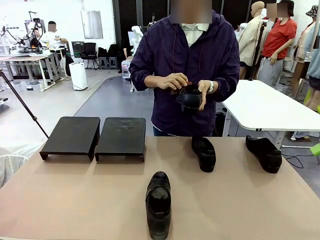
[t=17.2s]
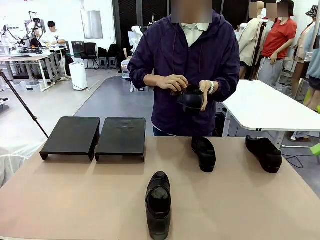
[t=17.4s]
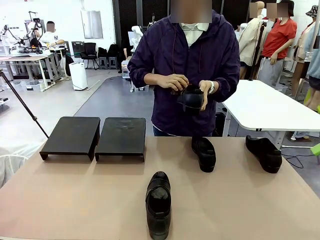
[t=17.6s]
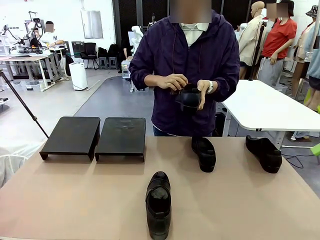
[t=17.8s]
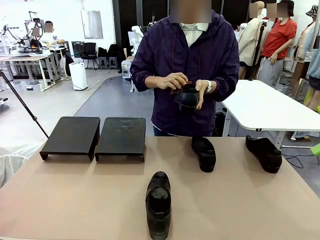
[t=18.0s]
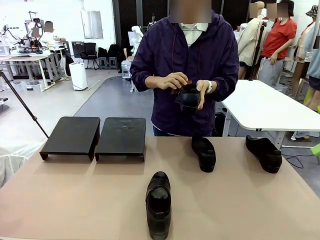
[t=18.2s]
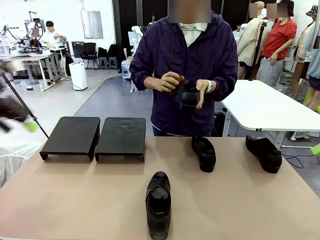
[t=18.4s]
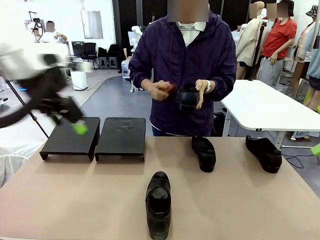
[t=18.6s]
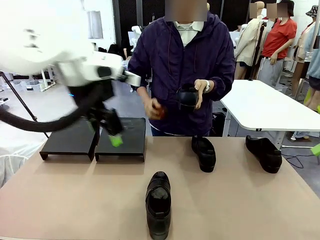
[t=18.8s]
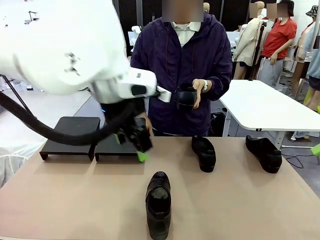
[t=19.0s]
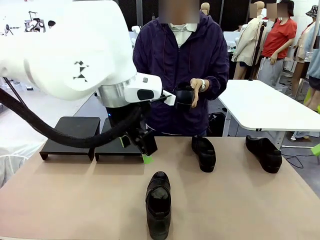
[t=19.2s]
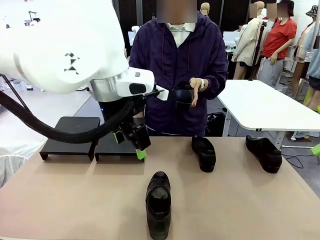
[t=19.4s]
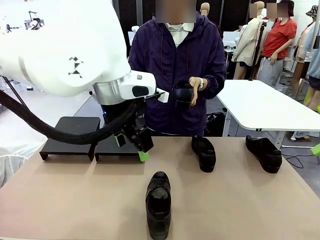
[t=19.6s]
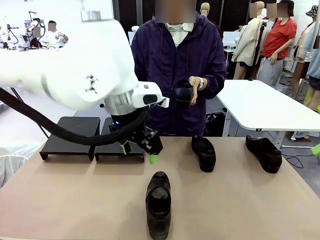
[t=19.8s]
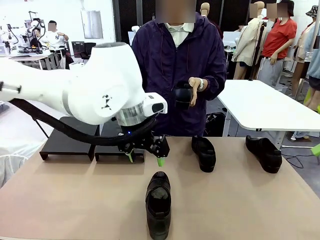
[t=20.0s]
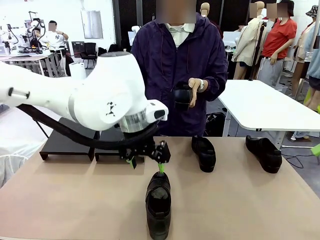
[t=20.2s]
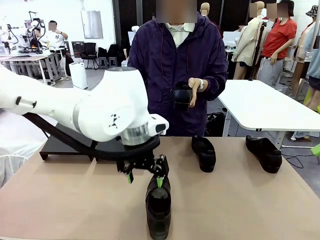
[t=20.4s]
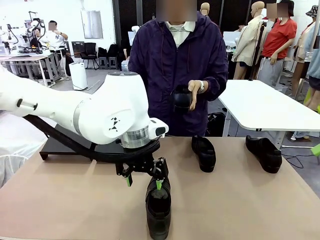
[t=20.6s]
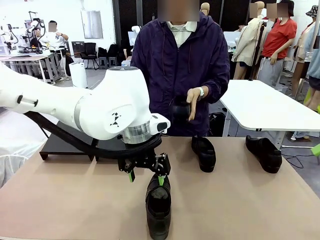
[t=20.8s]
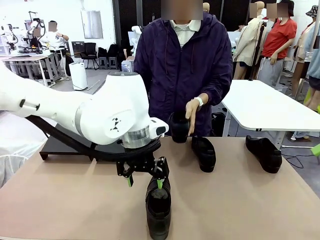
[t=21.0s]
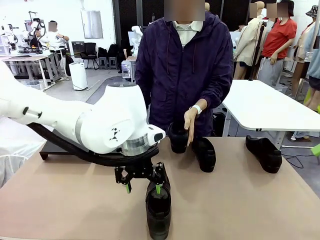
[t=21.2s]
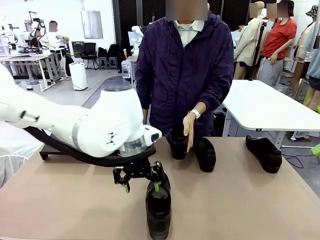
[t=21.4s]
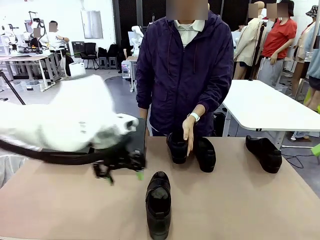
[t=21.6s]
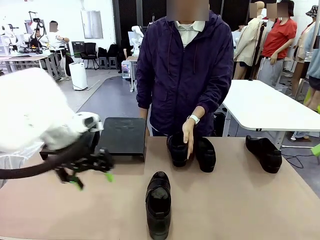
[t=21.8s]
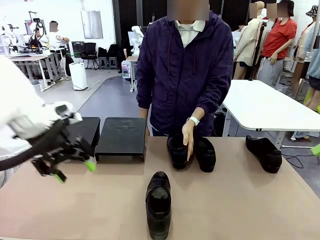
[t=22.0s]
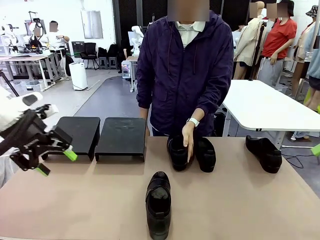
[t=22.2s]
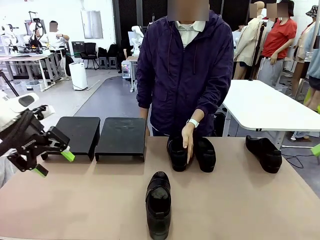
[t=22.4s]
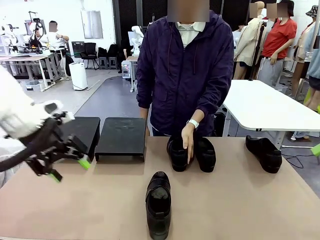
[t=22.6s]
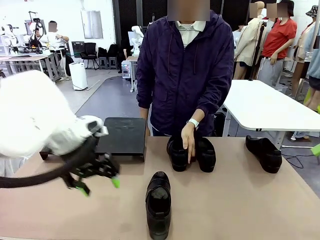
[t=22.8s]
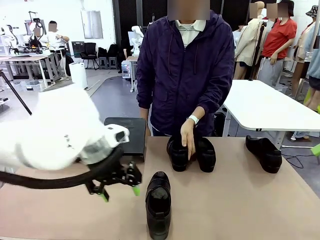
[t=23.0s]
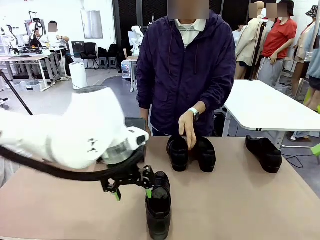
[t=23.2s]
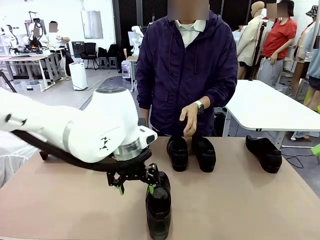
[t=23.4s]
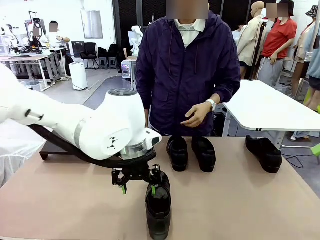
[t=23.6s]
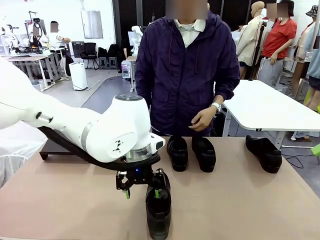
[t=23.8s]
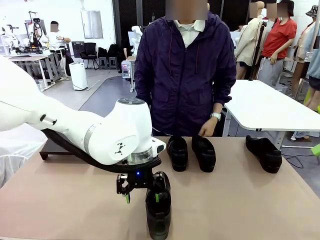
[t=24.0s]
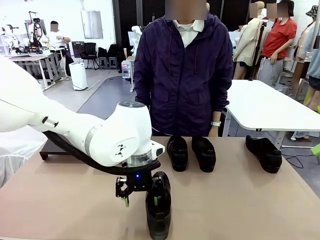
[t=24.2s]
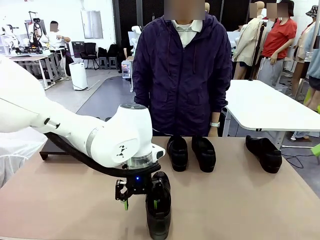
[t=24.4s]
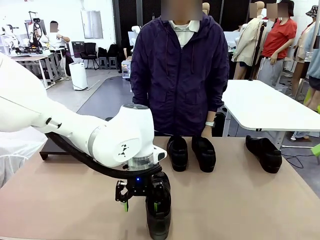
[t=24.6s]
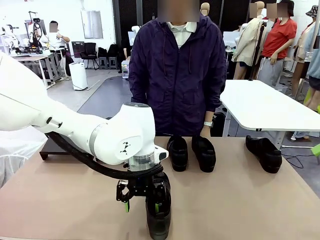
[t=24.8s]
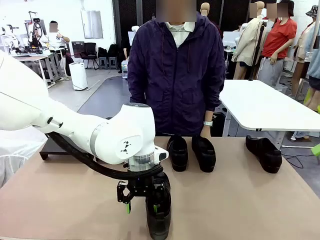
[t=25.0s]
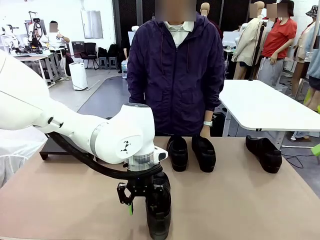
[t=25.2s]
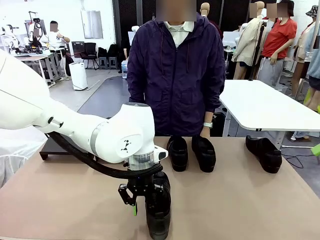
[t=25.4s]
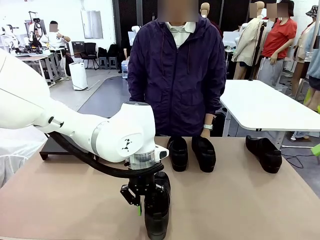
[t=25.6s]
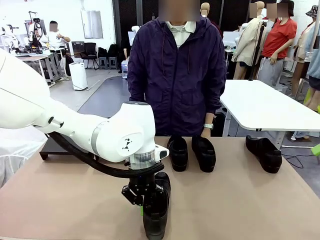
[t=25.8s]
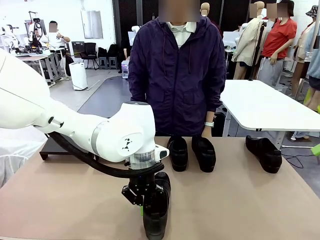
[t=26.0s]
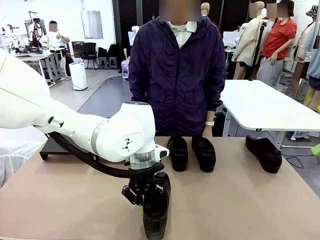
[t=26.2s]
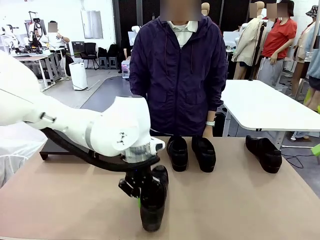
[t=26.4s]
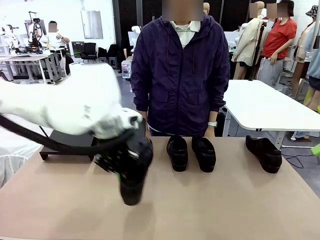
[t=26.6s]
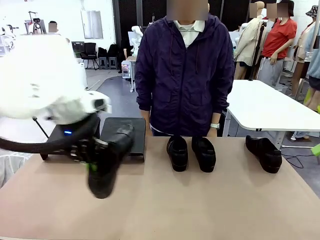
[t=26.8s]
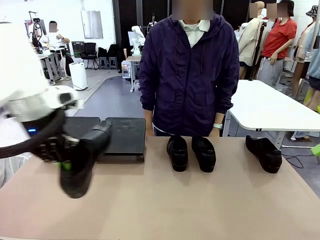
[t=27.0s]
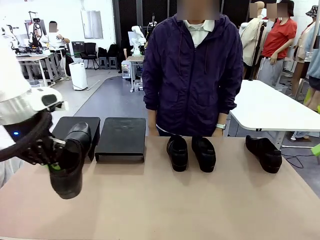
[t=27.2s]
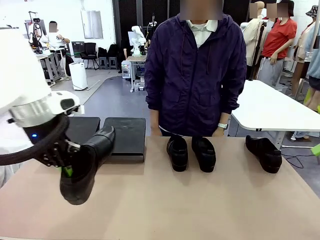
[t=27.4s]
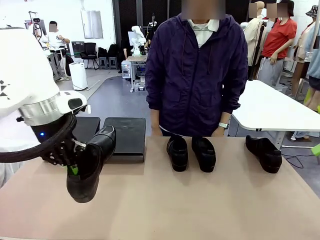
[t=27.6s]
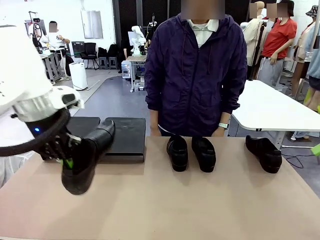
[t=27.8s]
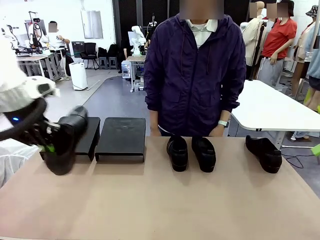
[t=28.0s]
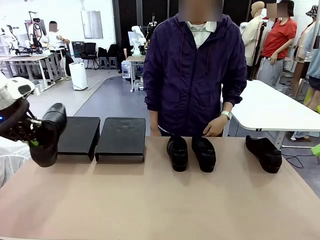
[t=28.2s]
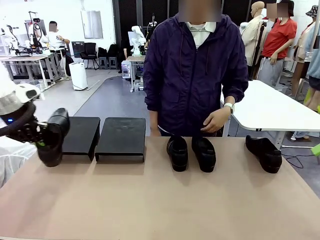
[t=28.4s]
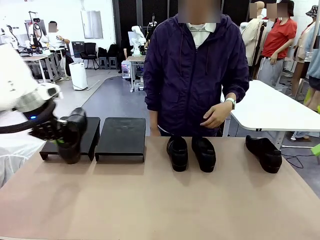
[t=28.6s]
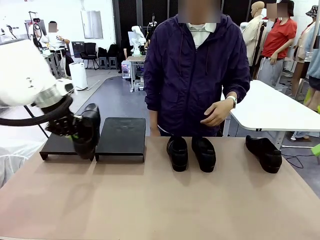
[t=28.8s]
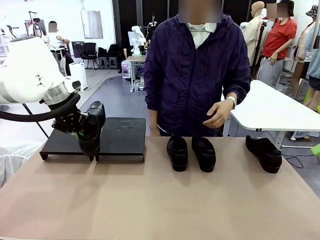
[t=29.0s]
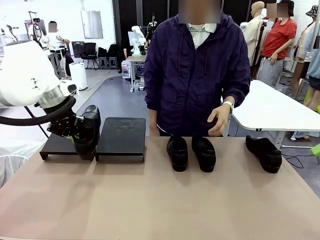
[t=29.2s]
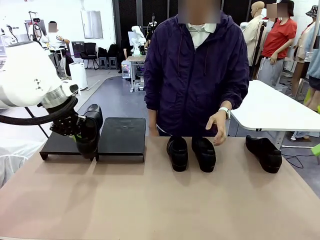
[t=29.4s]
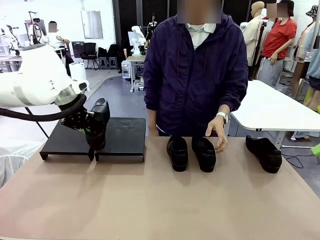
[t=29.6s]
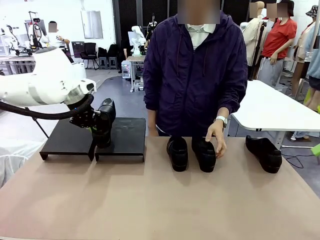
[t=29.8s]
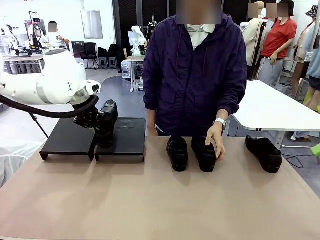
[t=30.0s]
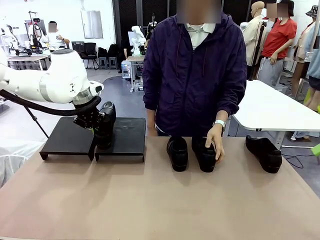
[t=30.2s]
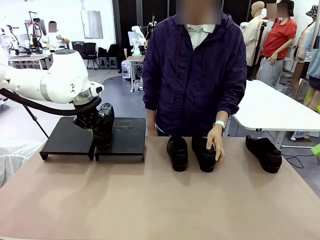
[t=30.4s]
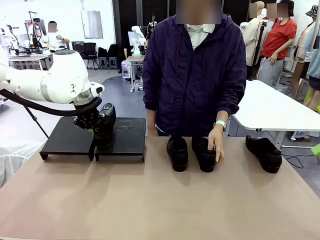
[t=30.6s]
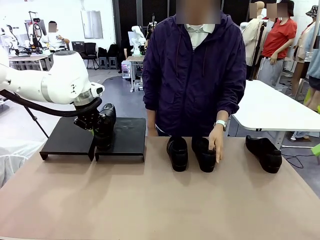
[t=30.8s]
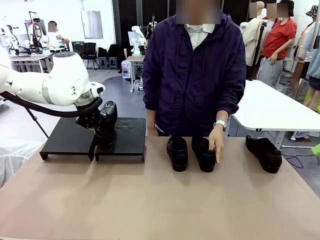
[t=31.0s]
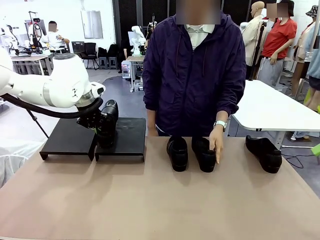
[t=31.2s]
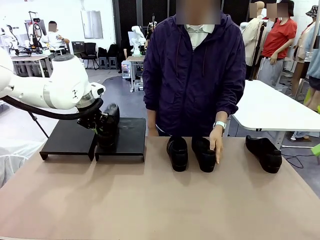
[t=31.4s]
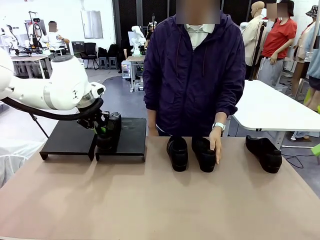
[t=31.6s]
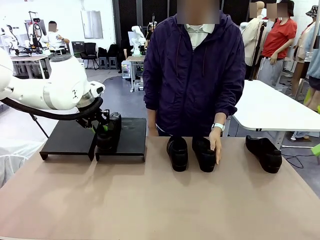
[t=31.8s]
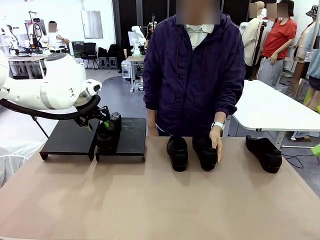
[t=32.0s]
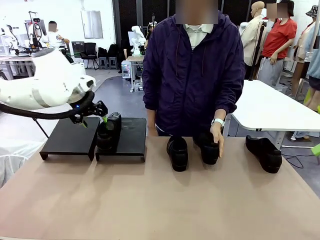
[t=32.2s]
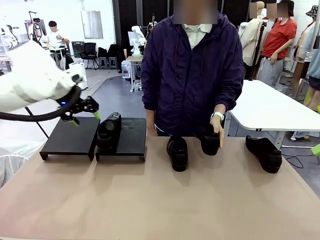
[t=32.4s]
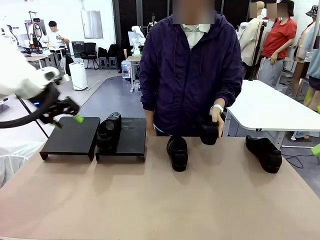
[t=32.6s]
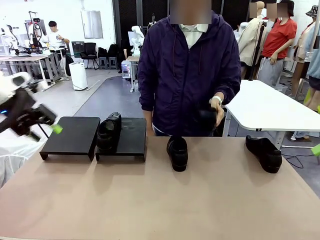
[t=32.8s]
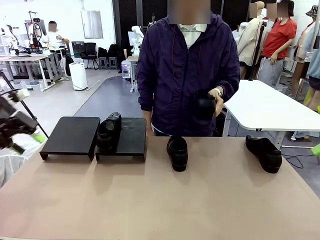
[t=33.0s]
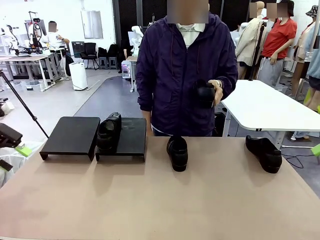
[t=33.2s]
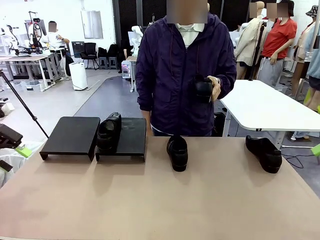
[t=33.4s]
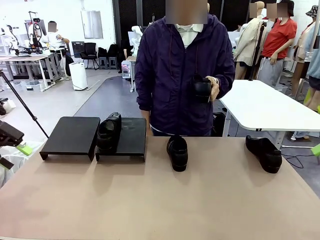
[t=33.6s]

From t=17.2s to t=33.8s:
Task: Organize the shoes by placing them on the stand.
Robot: Place the Shoe from the middle of the table onto the Shoes Stand.
Person: Place the Shoe on left side of the Robot's table. Pick one Shoe on Robot's table.
